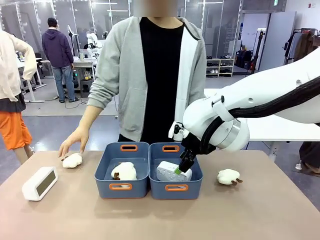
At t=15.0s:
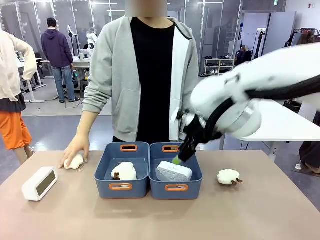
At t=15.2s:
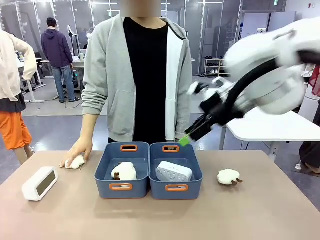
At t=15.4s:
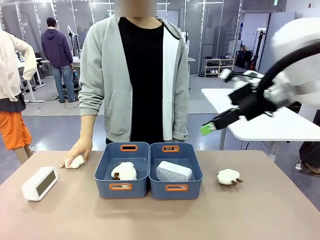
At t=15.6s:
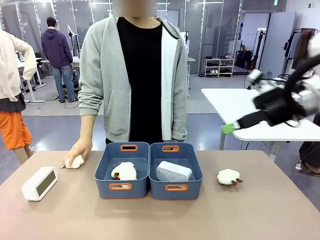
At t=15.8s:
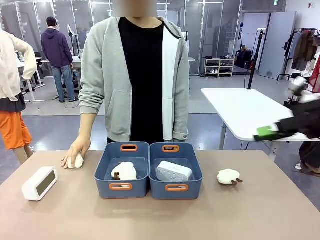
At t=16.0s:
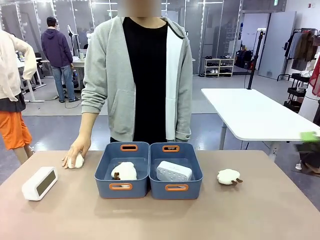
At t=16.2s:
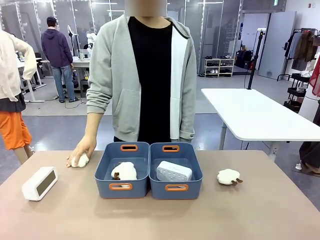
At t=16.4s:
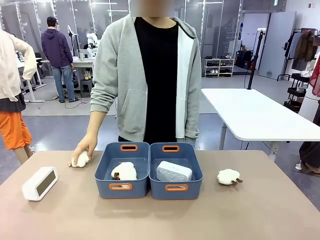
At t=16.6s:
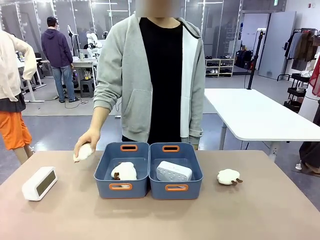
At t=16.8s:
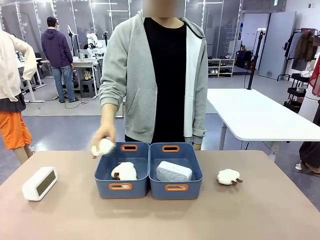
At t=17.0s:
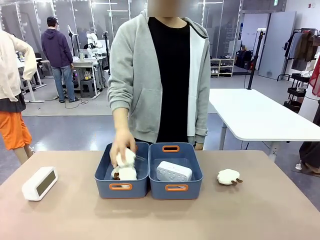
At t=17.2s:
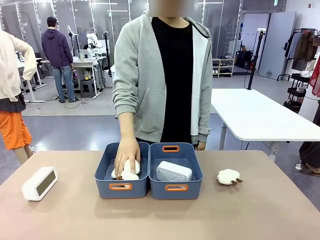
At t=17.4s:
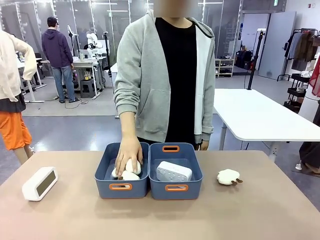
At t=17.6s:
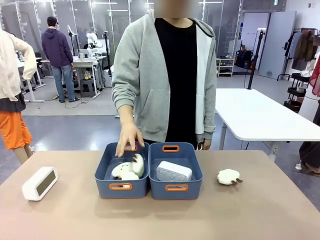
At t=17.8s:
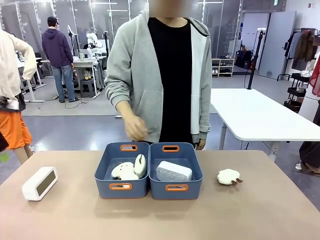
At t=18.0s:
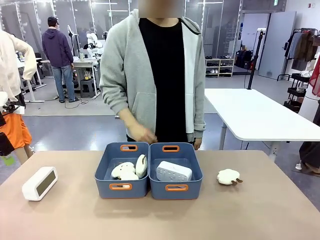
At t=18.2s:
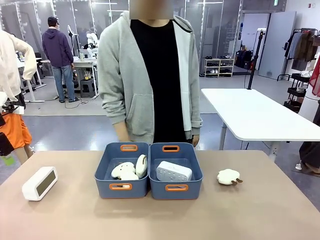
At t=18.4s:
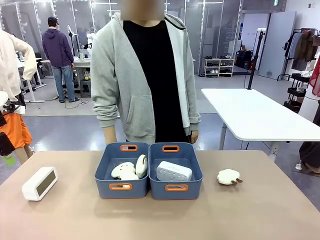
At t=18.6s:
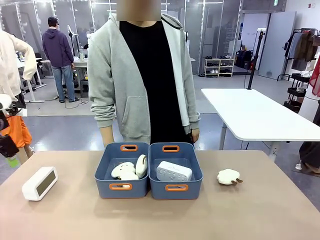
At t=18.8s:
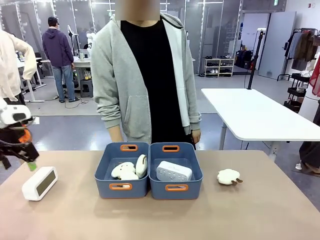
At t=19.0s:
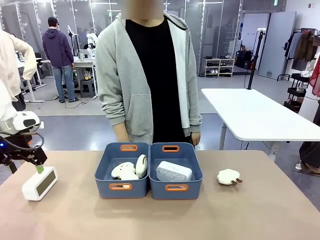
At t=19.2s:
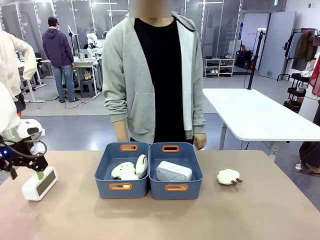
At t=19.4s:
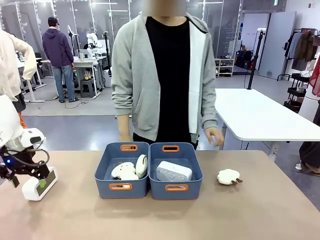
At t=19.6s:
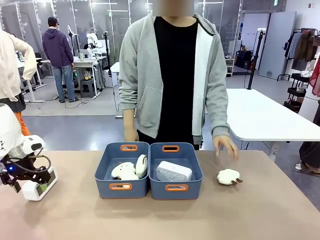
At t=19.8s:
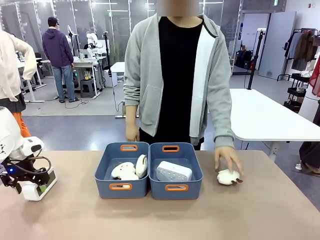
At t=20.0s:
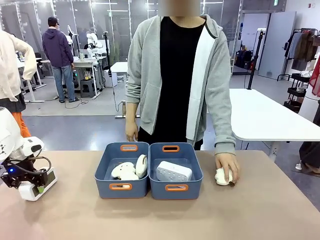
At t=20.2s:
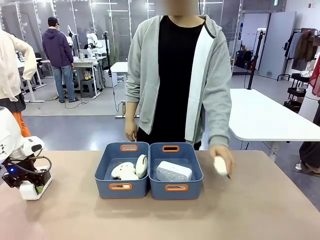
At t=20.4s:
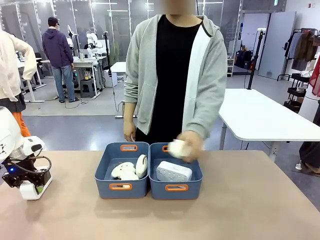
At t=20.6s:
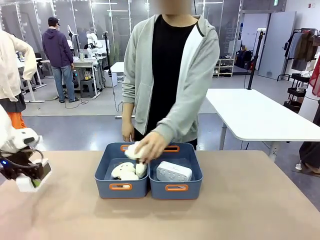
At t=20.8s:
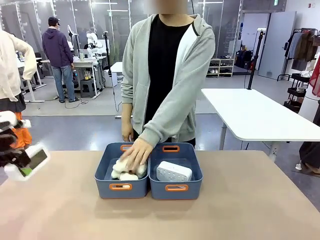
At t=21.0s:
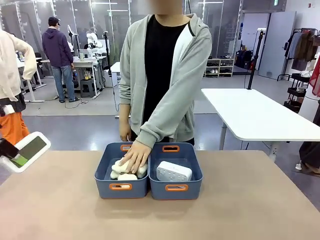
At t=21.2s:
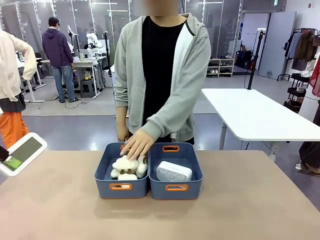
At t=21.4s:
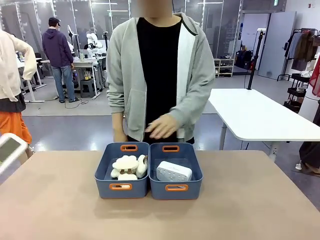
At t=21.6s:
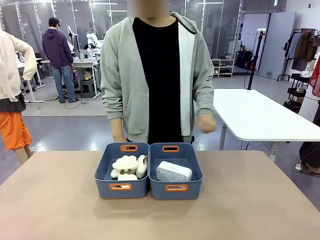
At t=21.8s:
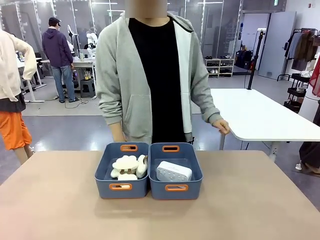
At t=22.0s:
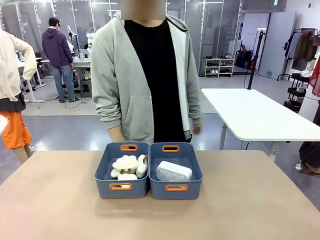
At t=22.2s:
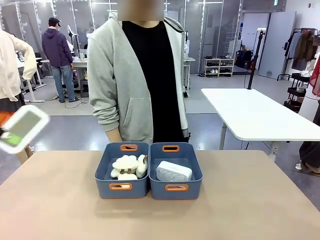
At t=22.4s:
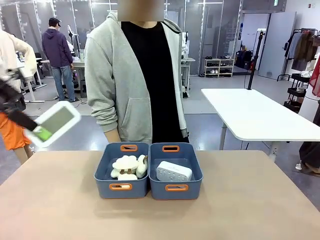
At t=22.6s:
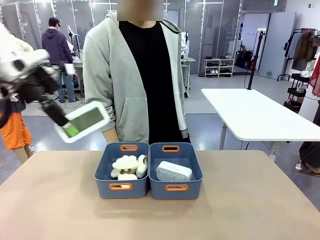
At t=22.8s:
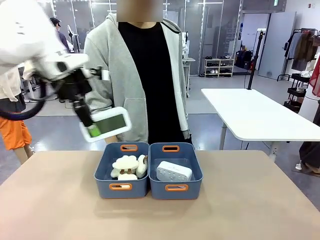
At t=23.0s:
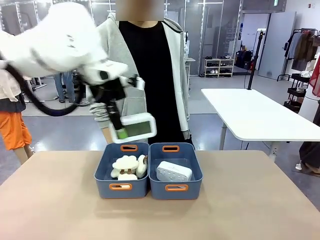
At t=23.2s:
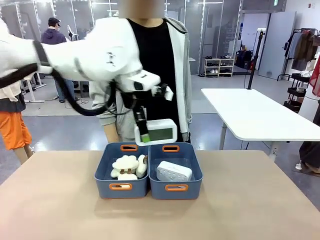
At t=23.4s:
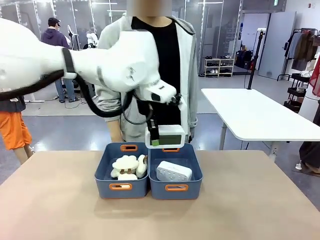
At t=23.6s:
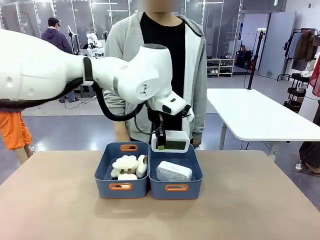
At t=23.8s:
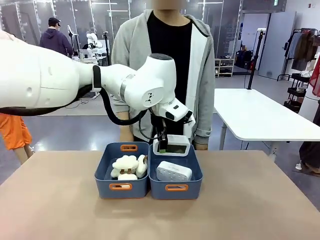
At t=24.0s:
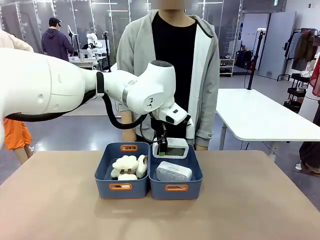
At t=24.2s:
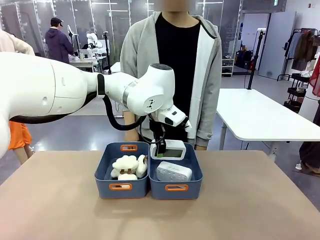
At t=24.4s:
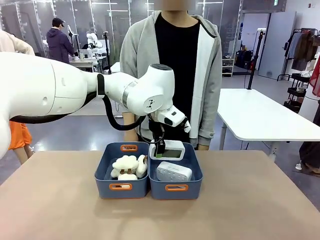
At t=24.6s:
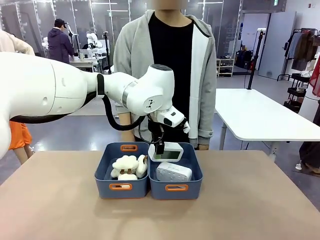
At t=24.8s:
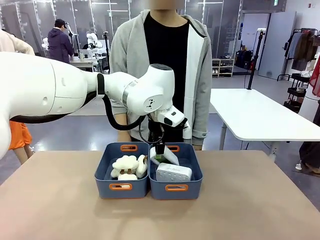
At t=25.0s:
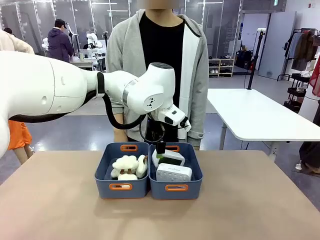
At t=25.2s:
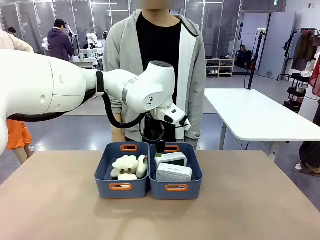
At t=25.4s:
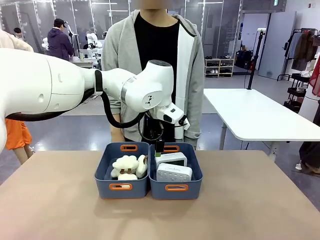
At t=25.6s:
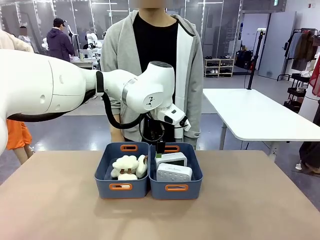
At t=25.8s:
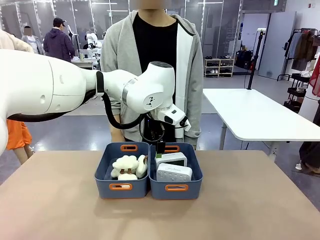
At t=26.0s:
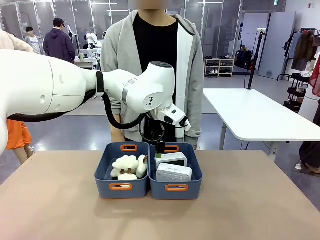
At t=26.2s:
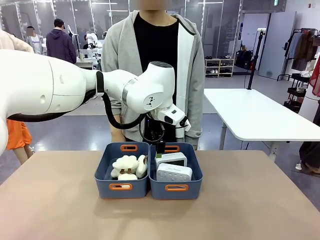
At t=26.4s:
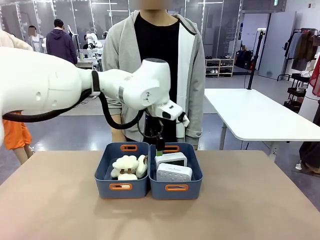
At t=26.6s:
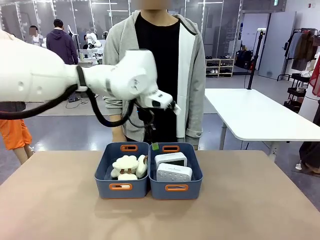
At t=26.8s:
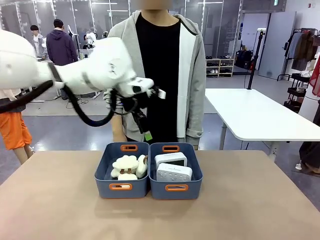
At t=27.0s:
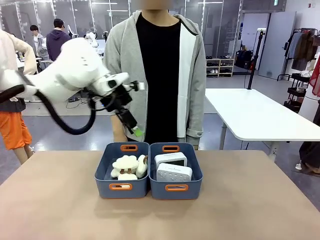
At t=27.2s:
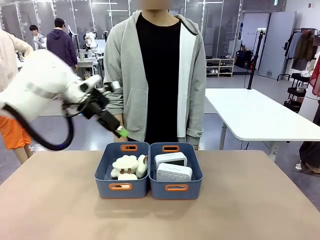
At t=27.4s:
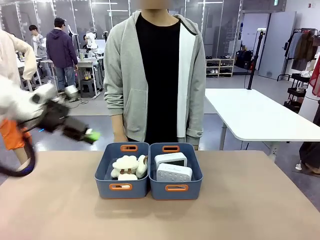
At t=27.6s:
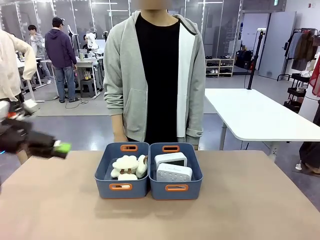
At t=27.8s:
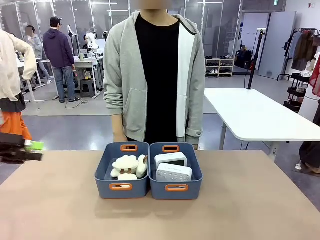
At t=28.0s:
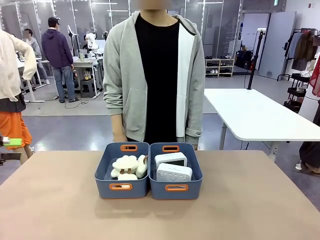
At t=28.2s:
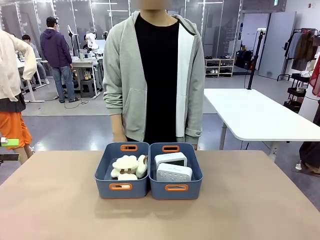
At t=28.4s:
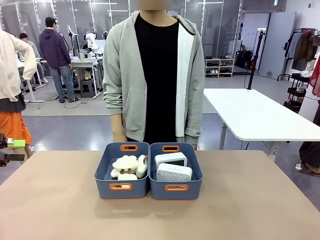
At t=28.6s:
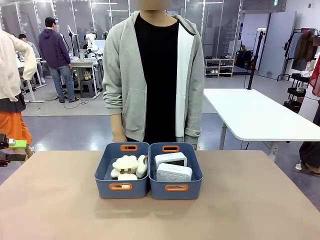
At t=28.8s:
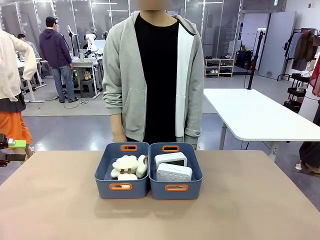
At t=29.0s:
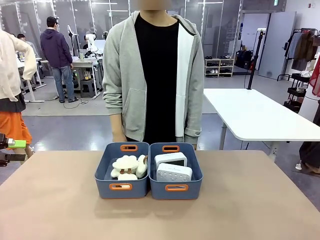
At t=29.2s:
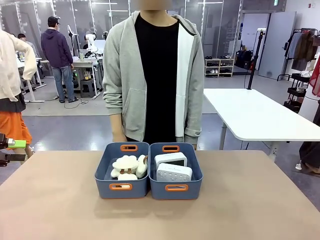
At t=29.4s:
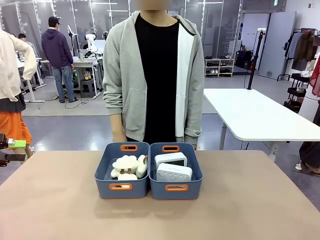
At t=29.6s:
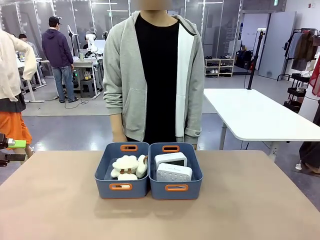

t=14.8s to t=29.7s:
Task: Sort the digital clocks into the basket.
Robot: Pick up the Digital clock from the table and place it into the empty Plastic storage basket.
Person: Pick up a plush toy from the table and place it in the plastic storage basket containing the plush toy.
